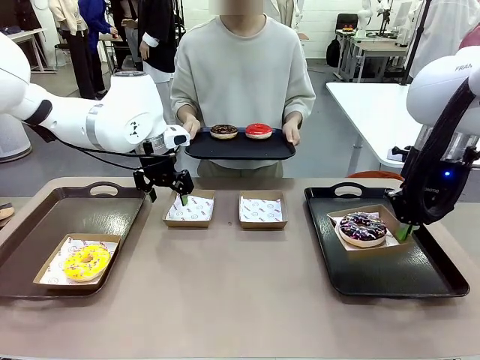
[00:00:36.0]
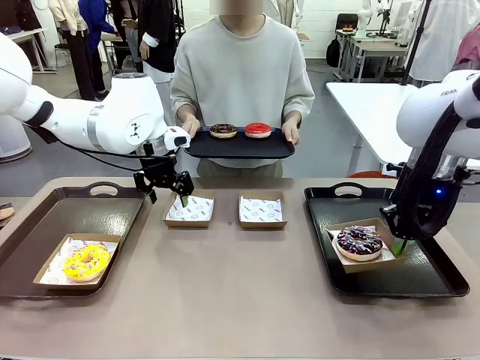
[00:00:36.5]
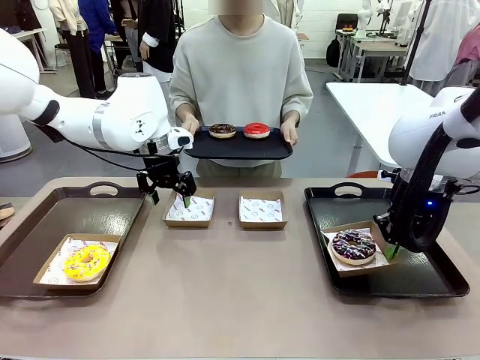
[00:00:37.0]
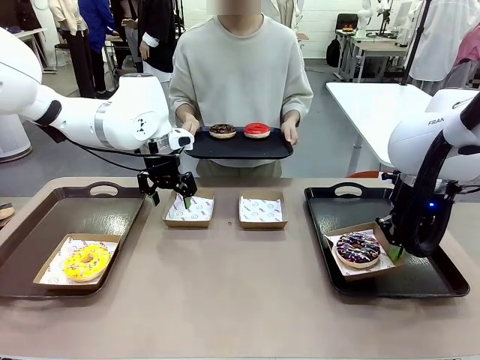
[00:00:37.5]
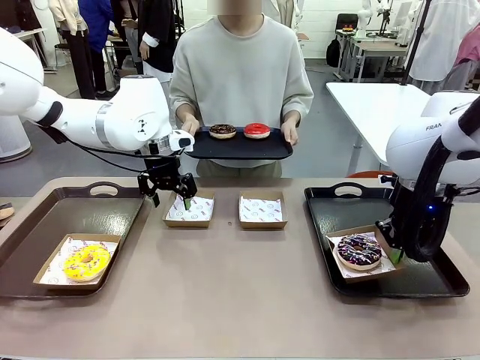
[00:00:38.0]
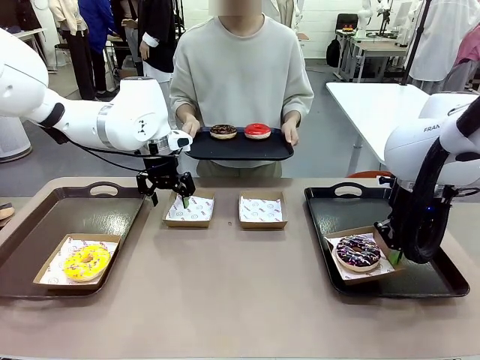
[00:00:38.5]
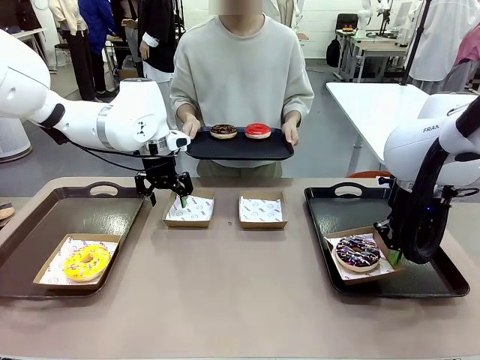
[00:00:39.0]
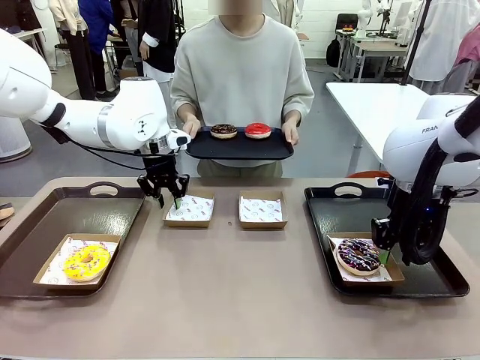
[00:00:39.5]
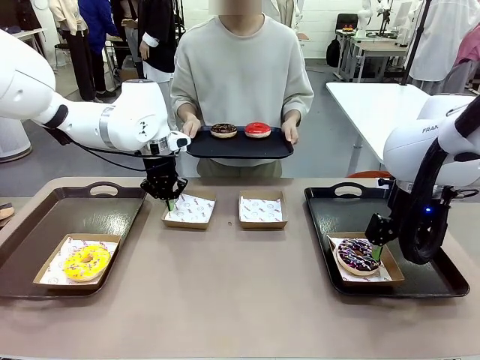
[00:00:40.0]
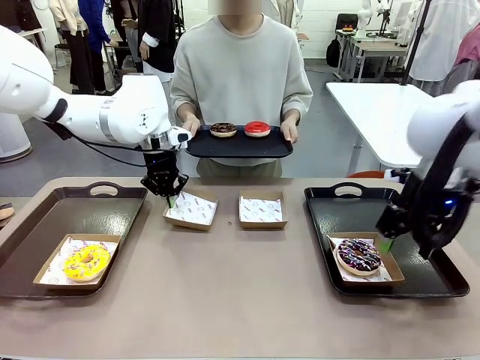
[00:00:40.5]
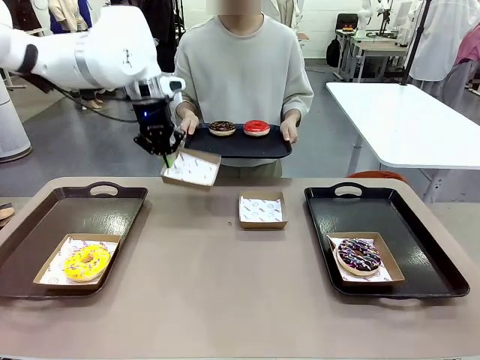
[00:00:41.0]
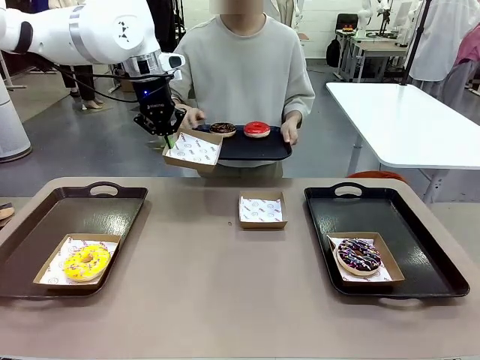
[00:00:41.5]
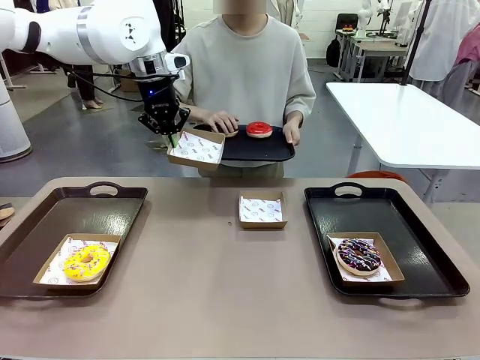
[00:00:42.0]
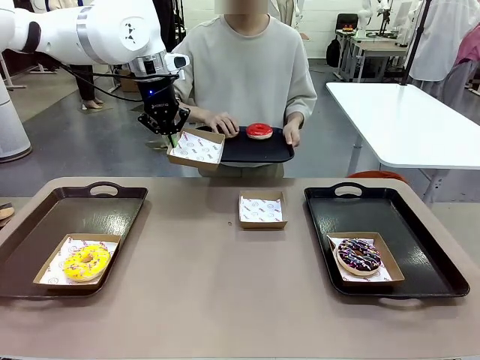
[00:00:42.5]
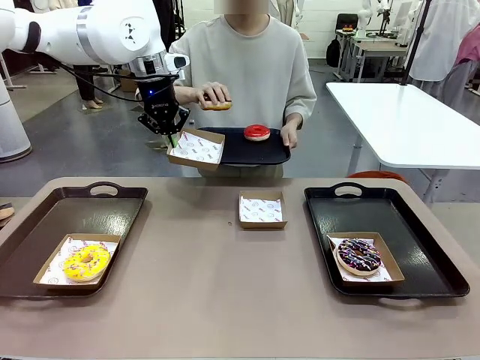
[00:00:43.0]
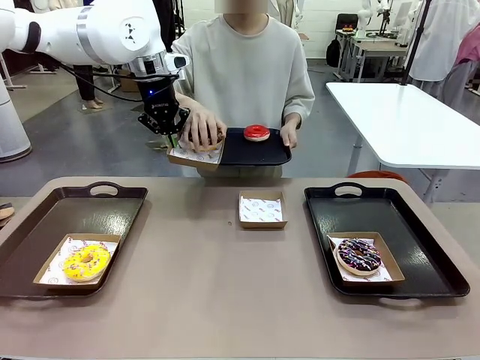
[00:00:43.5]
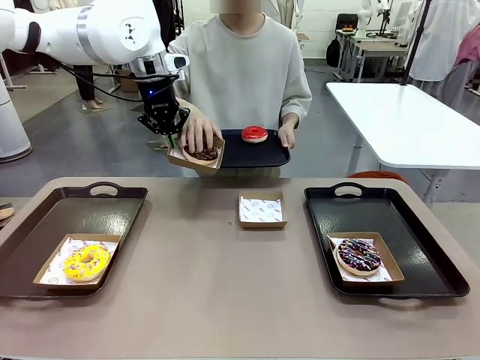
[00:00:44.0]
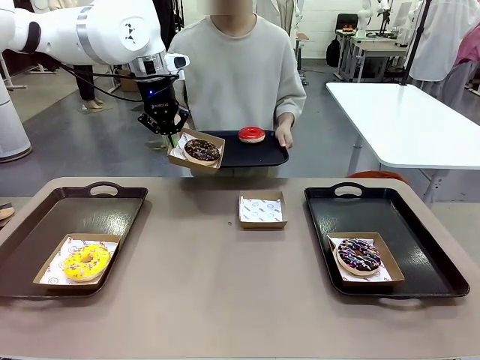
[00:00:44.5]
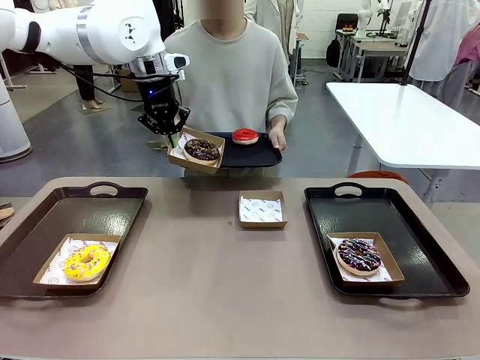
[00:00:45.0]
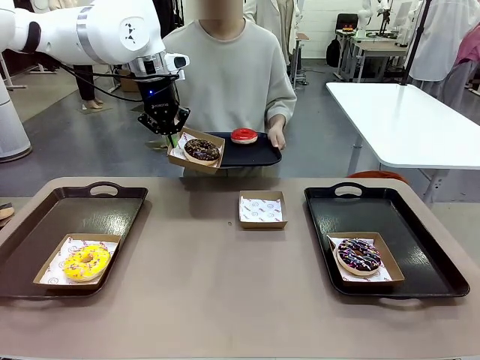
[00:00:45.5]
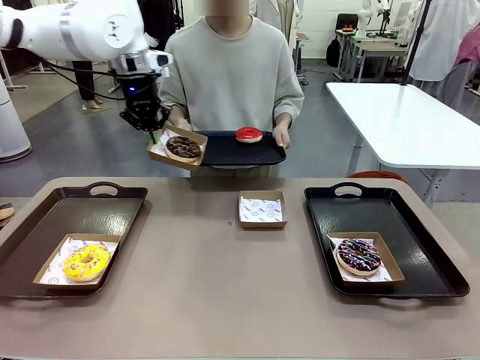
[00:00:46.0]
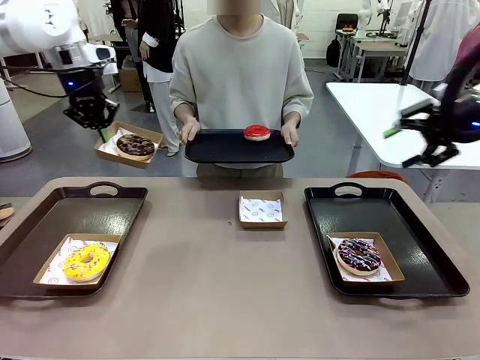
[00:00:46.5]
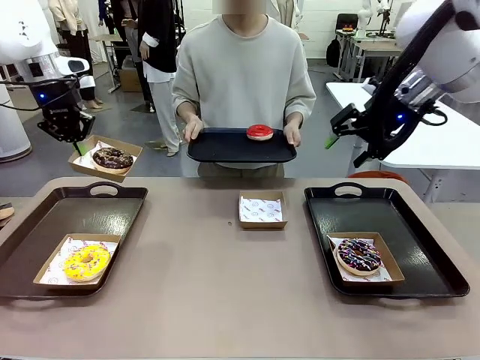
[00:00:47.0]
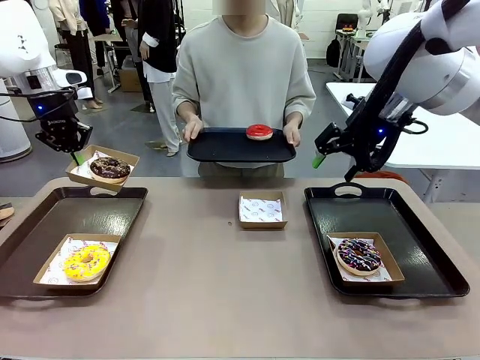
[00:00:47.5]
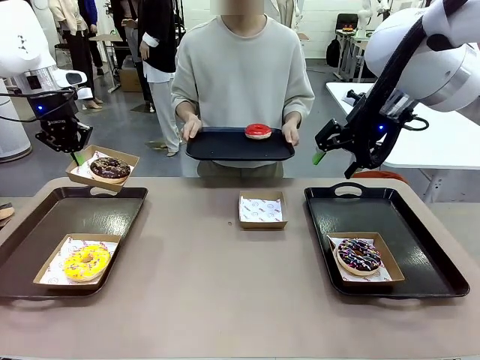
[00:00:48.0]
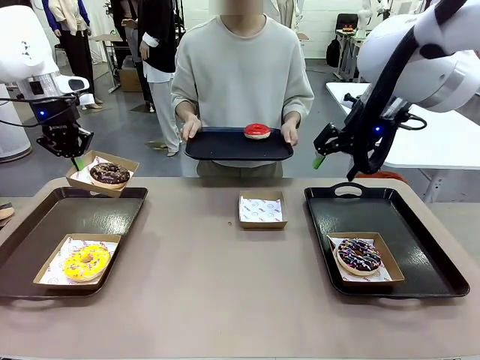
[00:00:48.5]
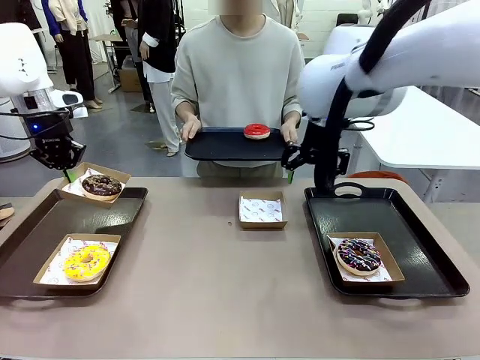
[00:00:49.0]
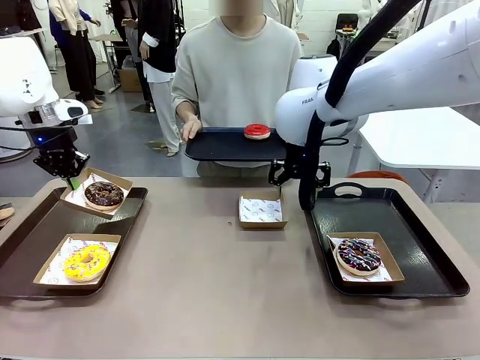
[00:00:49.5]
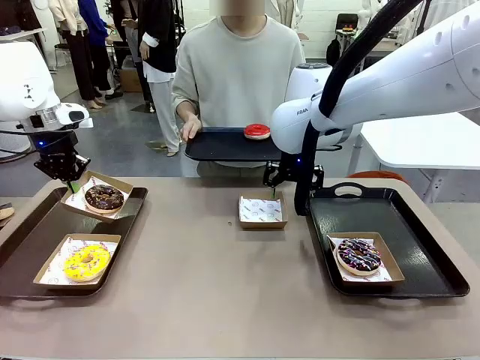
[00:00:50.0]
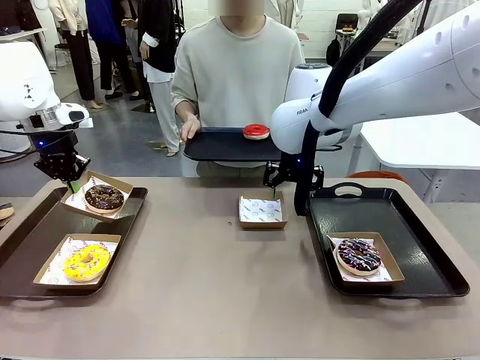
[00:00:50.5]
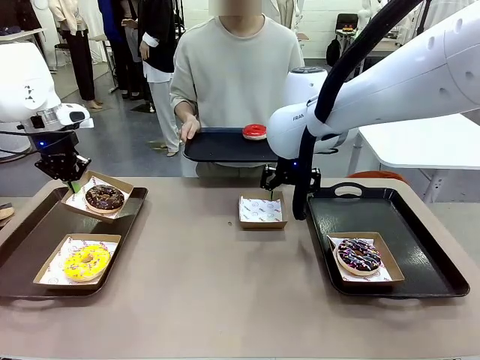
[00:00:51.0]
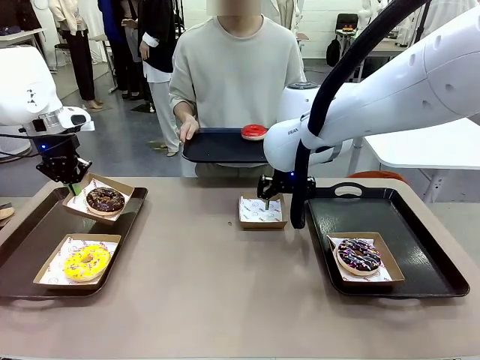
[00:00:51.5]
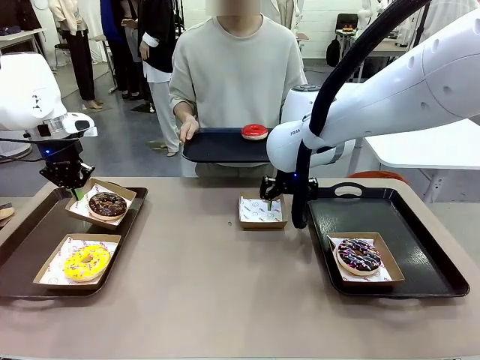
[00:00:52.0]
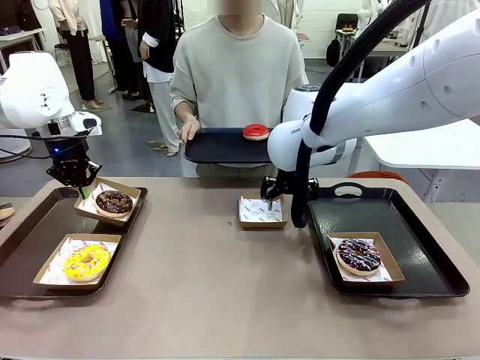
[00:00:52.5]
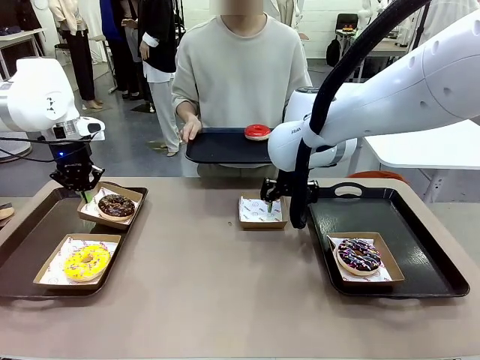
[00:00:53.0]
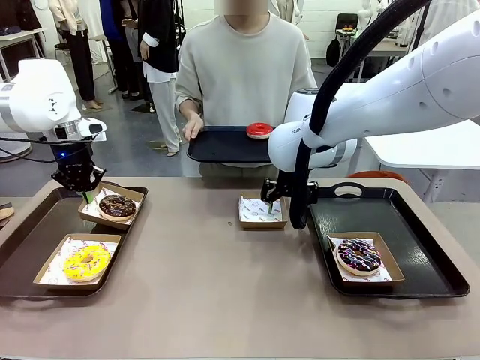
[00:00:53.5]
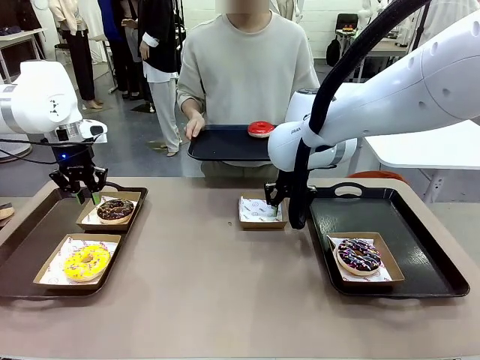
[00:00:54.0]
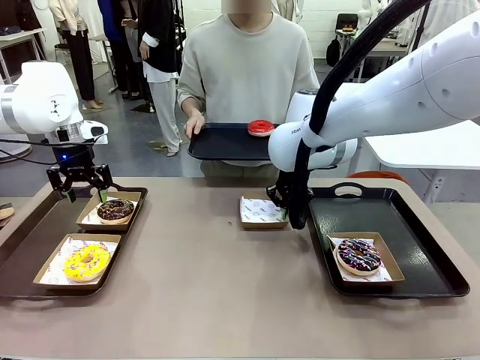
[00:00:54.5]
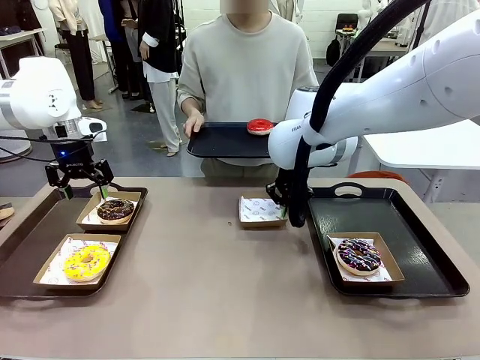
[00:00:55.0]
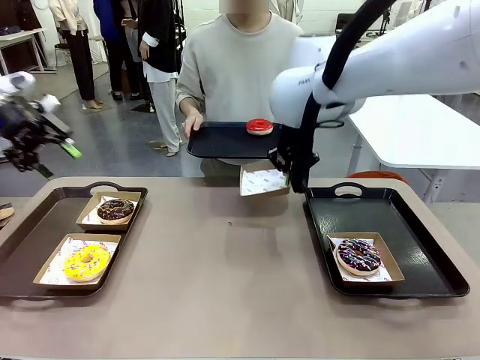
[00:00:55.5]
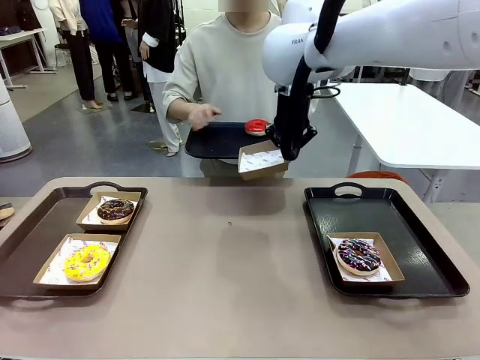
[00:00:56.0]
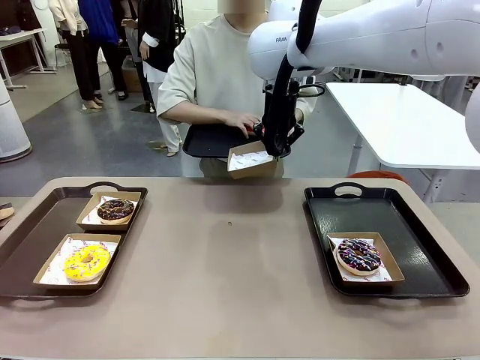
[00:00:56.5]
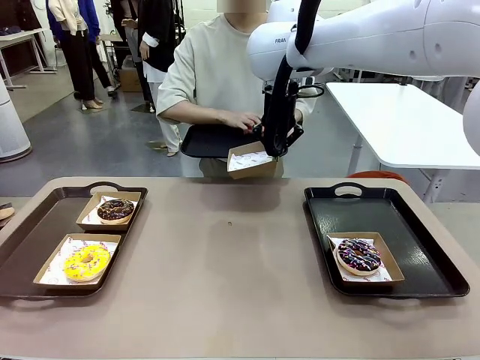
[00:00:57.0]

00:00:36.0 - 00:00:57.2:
Task: Individually package the donuts and arrange them on the tray.
Robot: Place the picked Paper togo box on the Handle tray while simultaneously picking up another Paper togo box from the table with the other hand.
